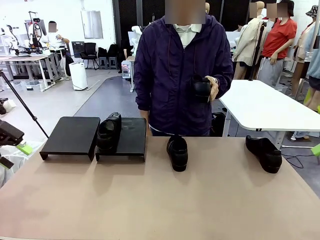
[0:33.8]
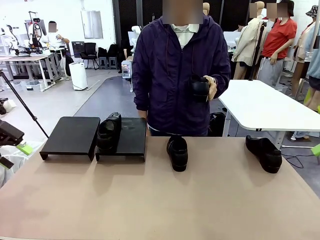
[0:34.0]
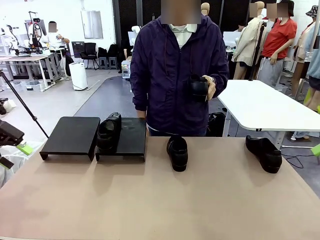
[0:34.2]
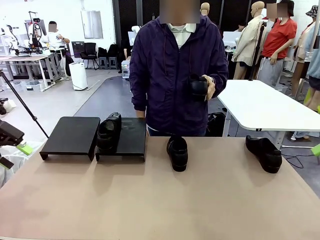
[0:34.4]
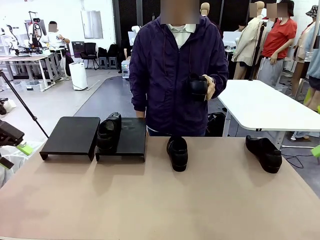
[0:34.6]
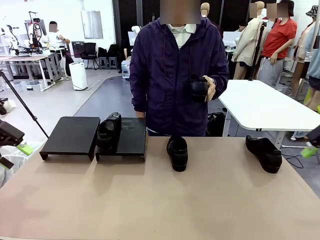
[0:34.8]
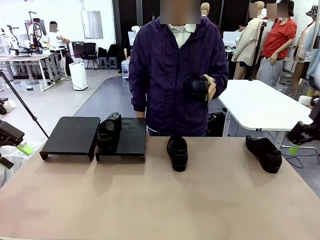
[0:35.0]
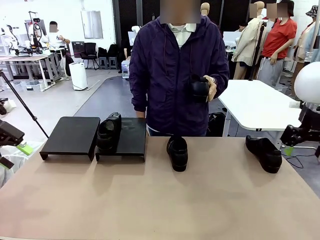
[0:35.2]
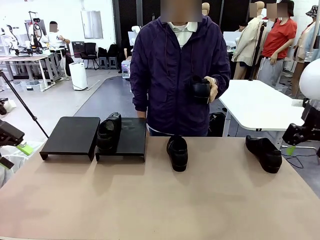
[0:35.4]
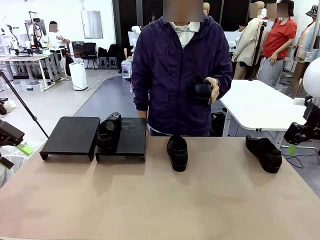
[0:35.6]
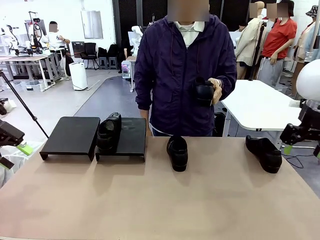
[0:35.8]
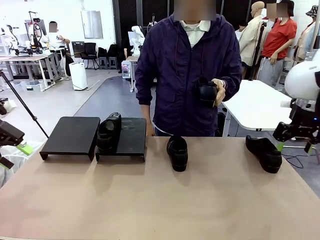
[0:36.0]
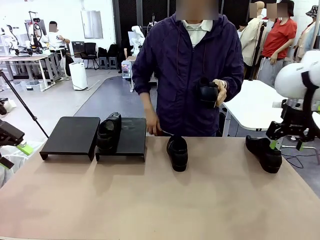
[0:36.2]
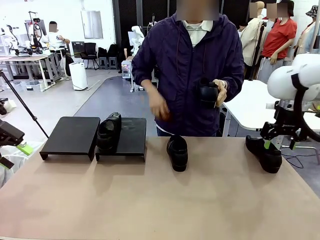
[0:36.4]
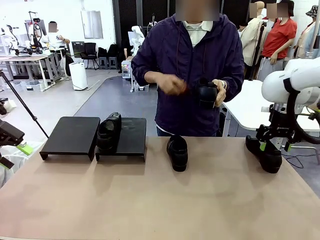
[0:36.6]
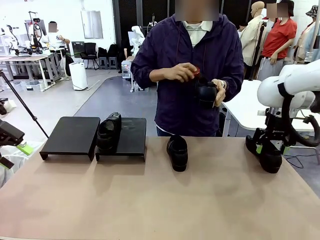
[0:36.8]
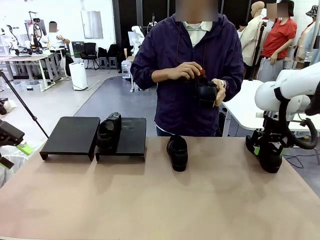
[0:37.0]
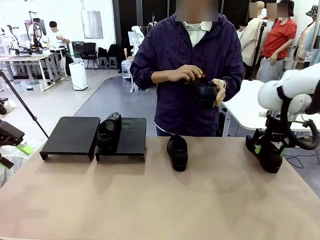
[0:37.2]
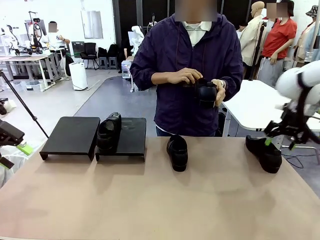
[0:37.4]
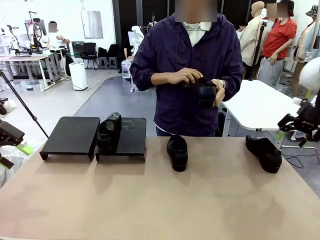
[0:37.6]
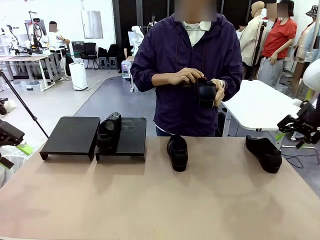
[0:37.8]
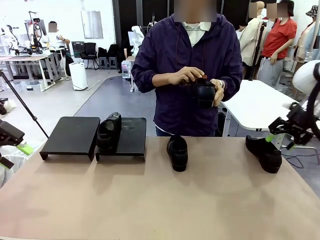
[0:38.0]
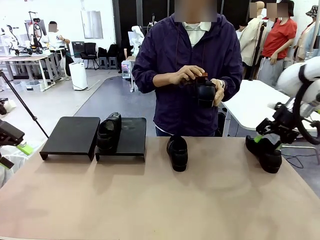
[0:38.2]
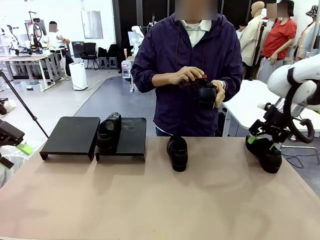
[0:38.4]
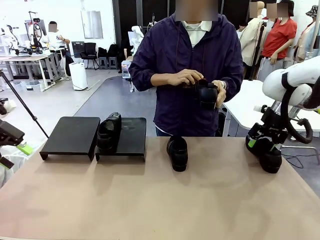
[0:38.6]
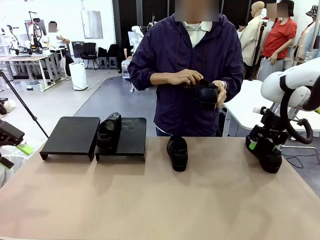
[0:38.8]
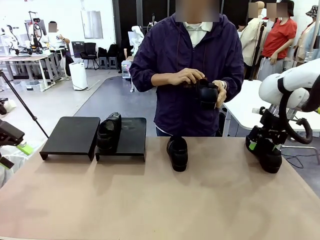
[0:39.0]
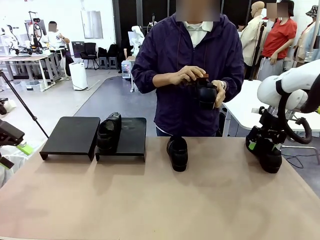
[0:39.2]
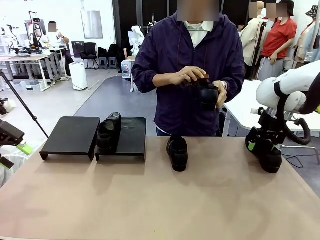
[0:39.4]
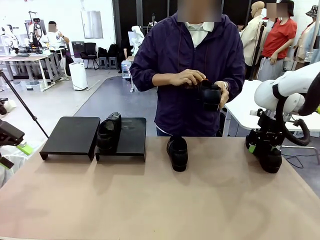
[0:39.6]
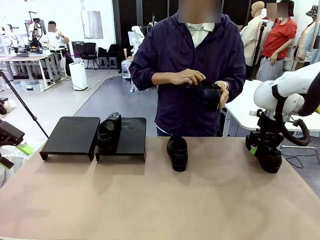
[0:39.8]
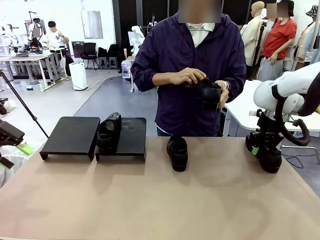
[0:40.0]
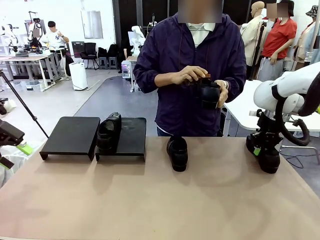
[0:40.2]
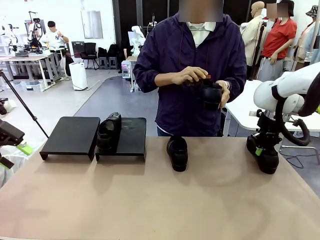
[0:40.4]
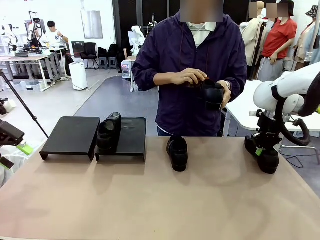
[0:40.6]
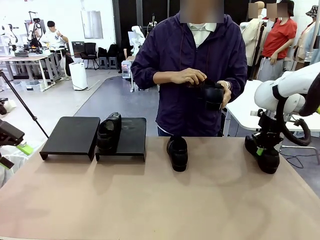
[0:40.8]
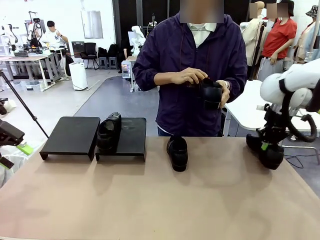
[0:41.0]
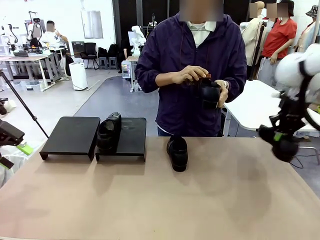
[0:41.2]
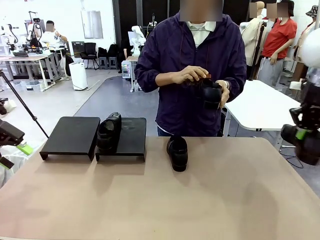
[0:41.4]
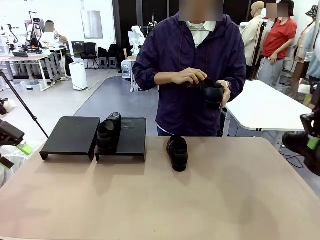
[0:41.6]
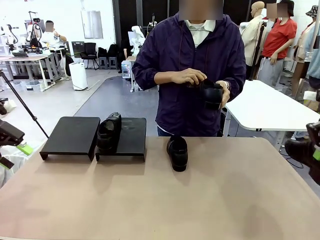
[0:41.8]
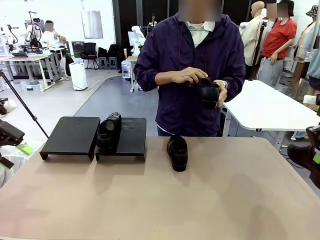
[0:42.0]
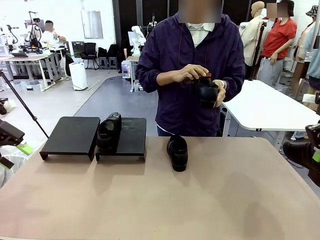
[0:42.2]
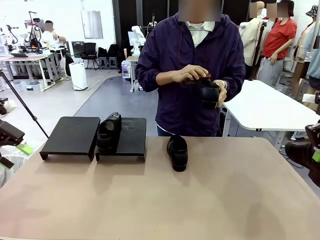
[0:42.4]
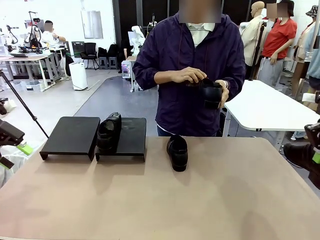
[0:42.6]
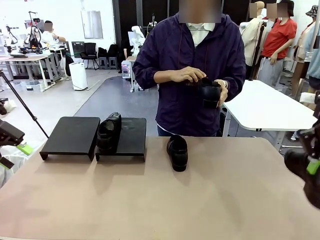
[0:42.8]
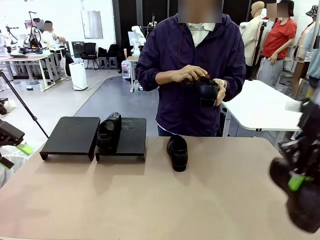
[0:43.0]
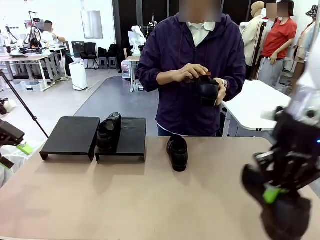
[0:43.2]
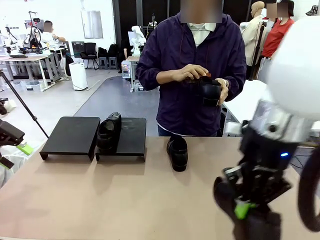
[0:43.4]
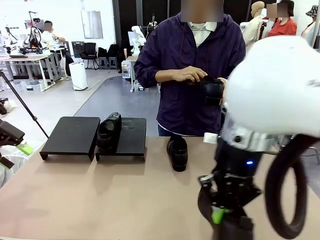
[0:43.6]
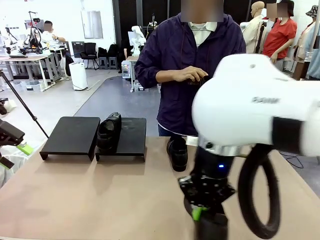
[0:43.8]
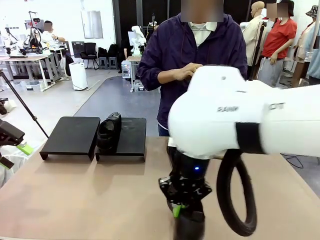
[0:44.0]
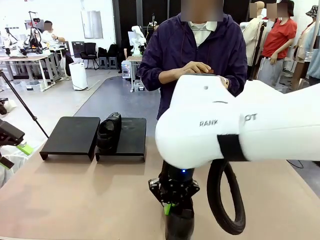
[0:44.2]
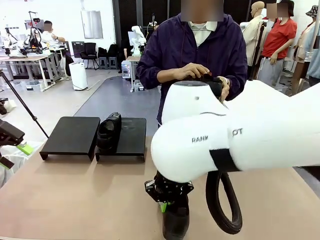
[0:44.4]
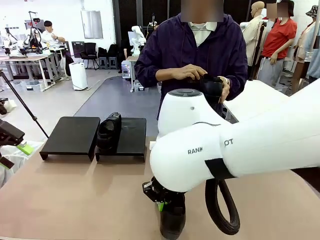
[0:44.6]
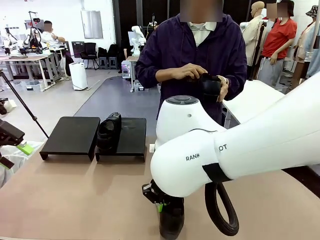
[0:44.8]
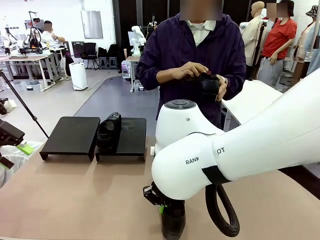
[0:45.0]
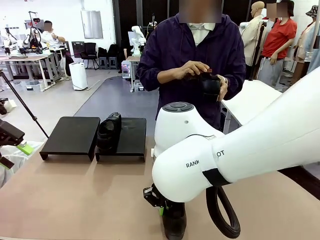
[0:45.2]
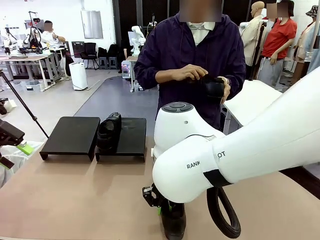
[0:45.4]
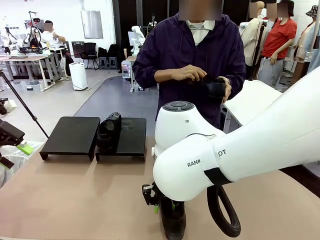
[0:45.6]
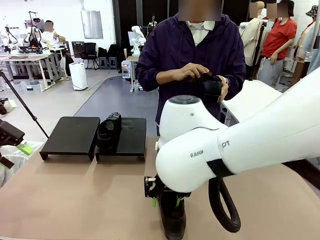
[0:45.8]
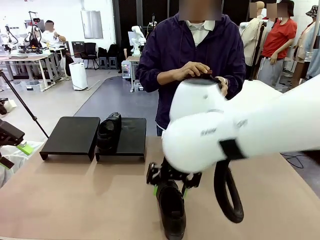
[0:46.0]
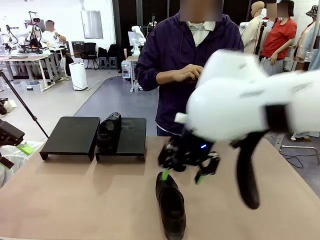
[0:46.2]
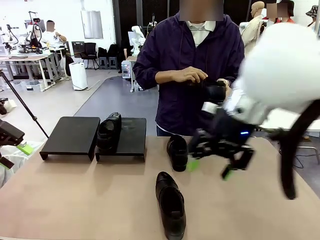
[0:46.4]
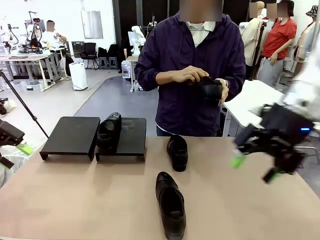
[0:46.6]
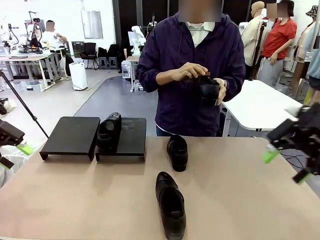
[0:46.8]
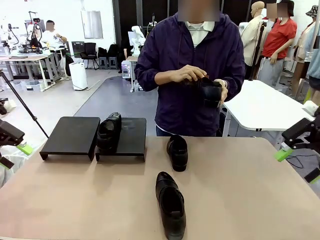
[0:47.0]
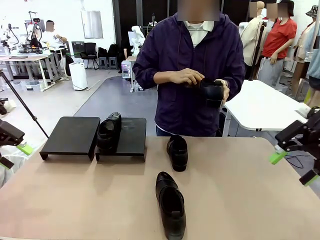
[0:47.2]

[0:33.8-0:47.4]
Task: Organize the shoes by placing them on the stand.
Robot: Pick up one Shoe and place it in the middle of the table.
Person: Clean the Shoe with the Shoe Brush.

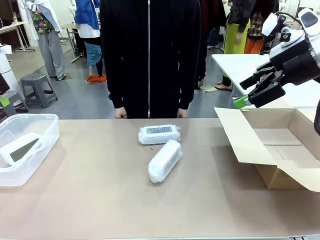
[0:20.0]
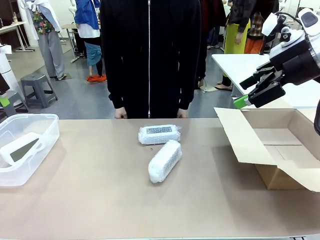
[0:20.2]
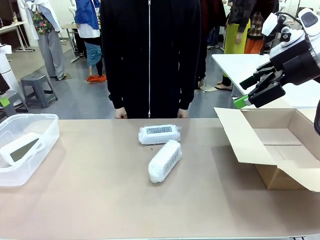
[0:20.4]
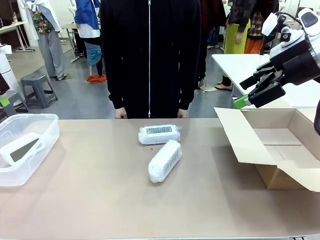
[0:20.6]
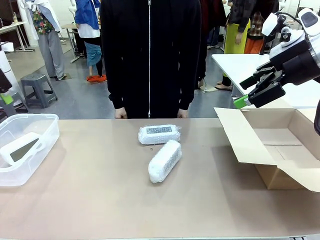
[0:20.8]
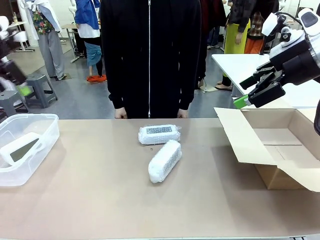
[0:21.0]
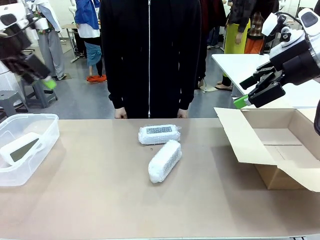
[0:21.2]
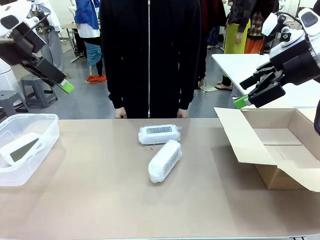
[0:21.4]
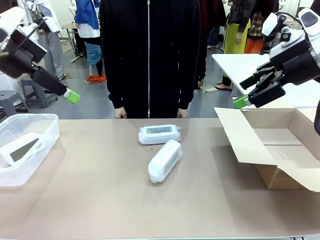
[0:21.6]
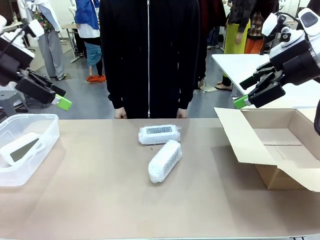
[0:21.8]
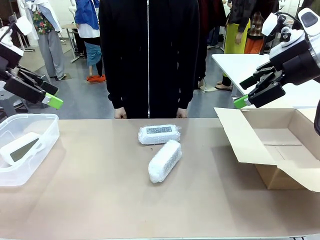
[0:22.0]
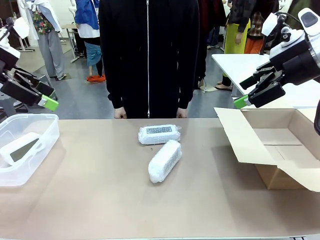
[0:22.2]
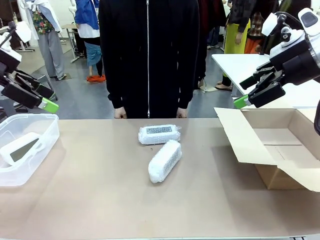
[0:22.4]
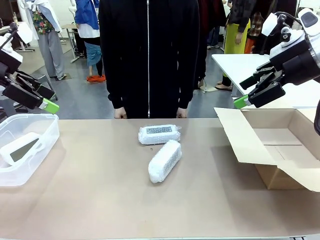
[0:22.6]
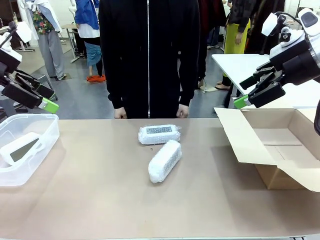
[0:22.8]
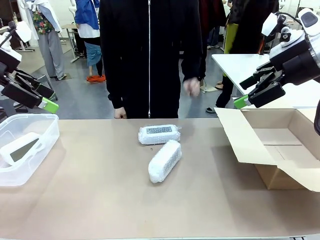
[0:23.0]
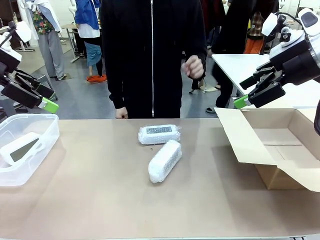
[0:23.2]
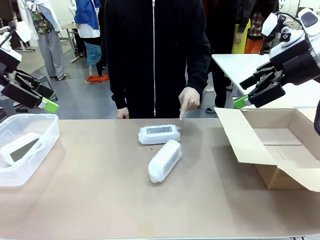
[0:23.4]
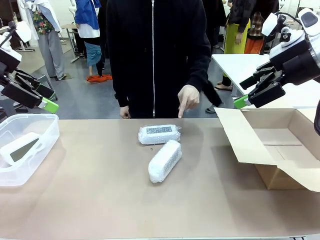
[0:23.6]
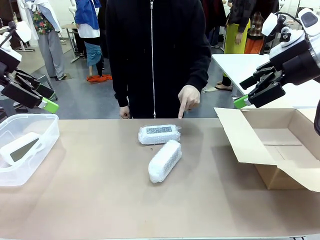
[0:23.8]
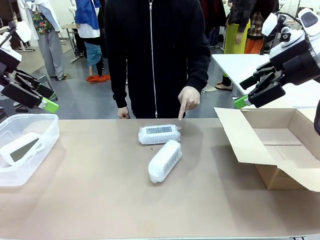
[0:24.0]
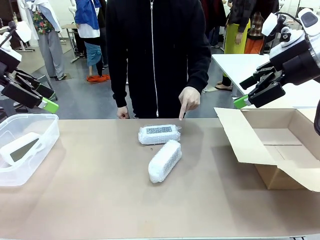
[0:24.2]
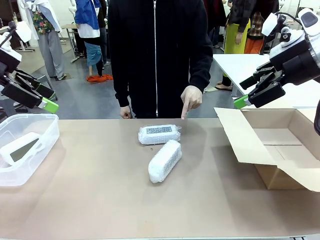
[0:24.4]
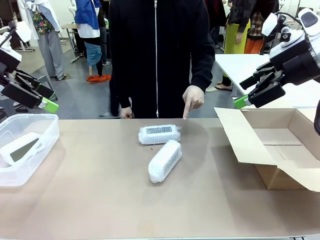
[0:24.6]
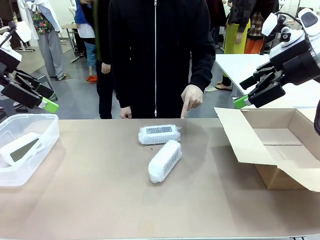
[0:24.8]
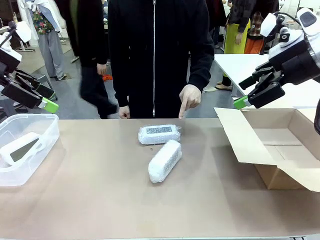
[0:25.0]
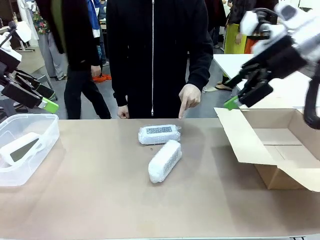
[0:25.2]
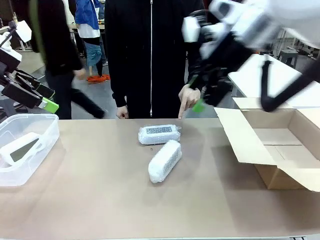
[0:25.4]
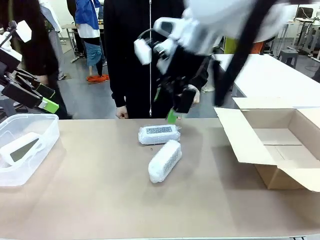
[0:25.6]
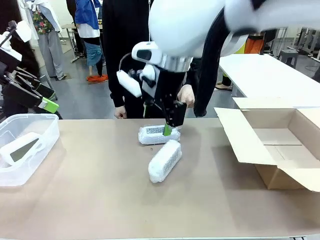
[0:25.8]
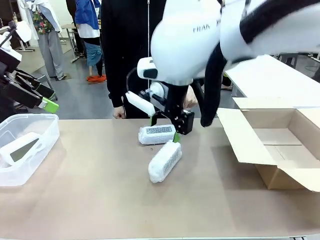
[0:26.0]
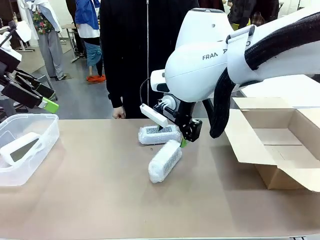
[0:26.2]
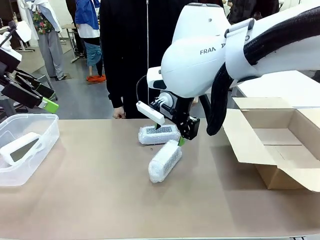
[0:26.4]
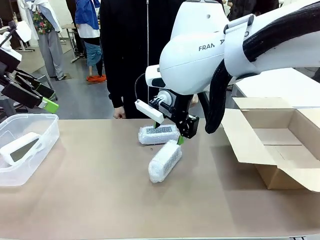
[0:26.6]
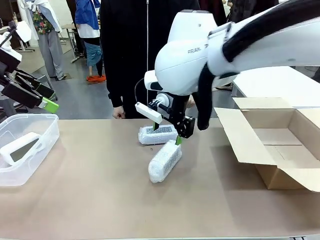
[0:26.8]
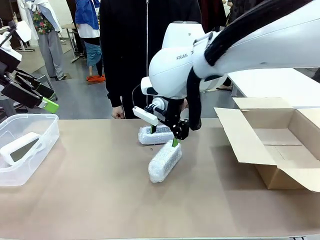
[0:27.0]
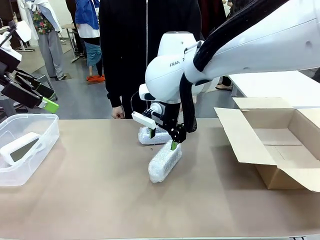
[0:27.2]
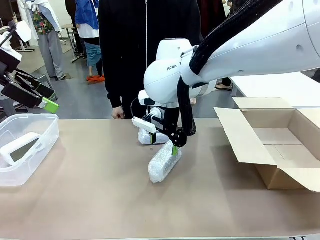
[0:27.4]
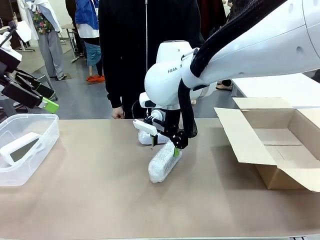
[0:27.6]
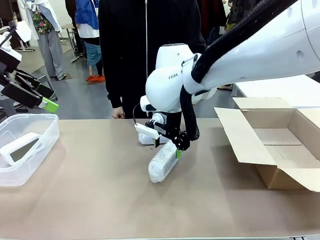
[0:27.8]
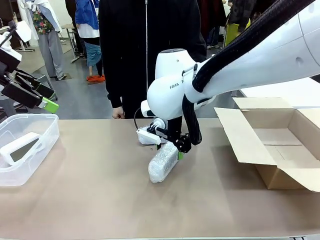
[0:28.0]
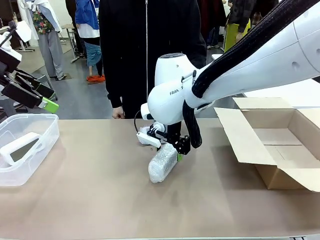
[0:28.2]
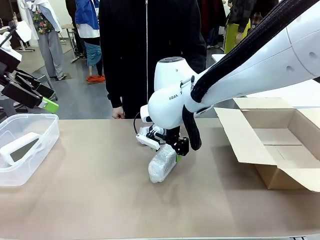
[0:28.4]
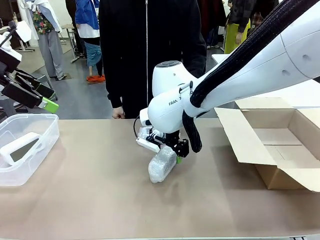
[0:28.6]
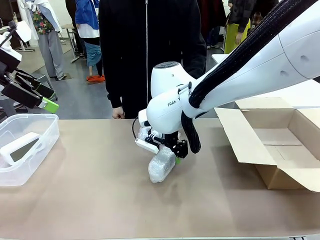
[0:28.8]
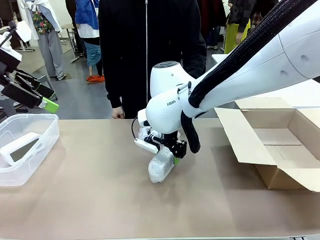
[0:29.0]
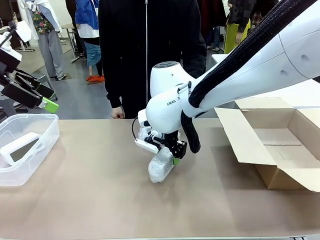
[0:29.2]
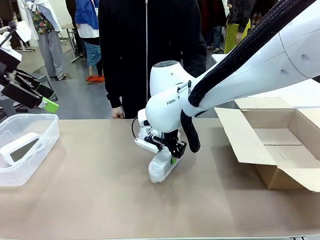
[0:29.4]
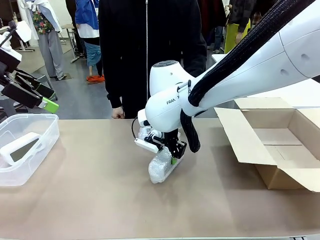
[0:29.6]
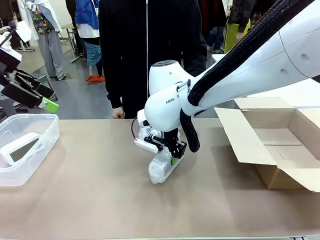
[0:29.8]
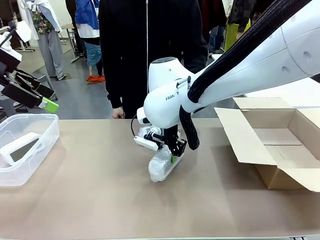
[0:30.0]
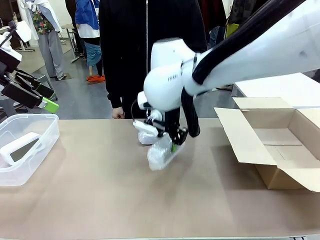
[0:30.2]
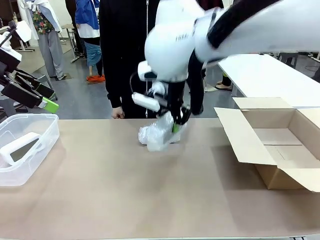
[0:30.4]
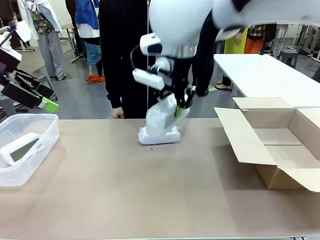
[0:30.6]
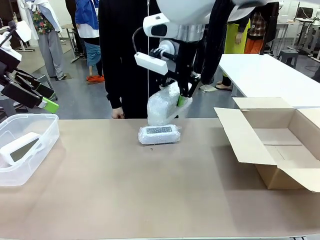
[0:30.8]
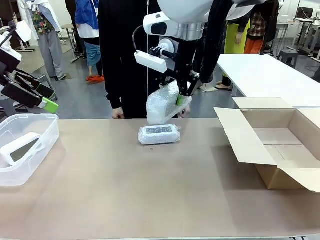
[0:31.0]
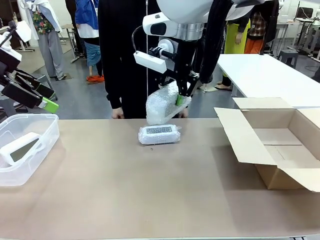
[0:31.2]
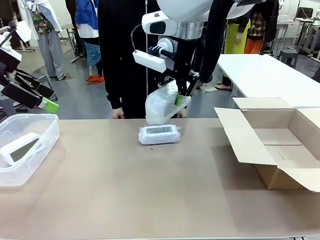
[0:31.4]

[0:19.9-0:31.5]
Task: Separate and place wrapped and unwrapped clocks.
Robot: Pick up the Digital clock indicated by the person.
